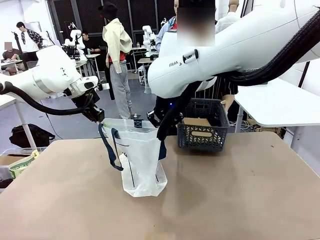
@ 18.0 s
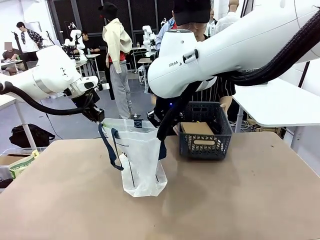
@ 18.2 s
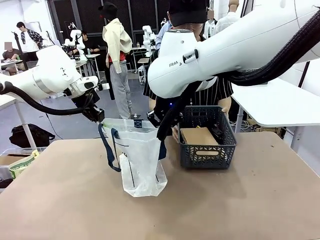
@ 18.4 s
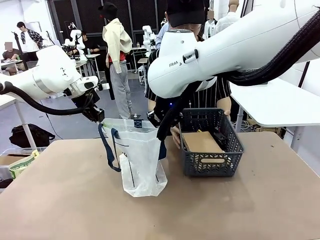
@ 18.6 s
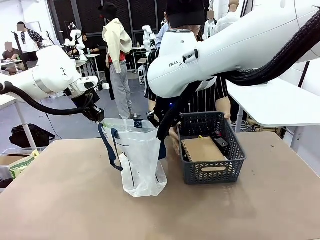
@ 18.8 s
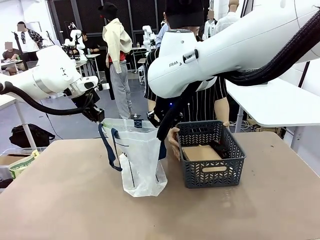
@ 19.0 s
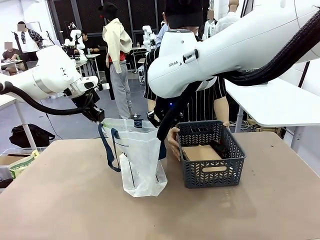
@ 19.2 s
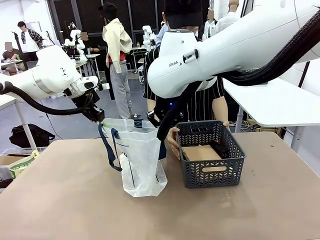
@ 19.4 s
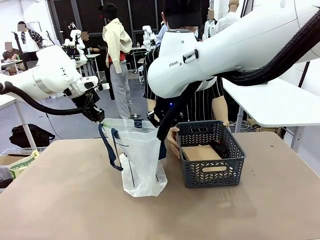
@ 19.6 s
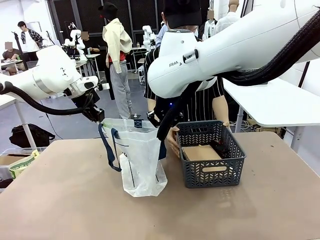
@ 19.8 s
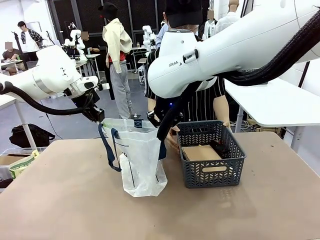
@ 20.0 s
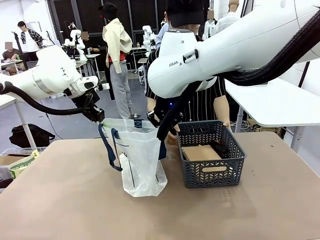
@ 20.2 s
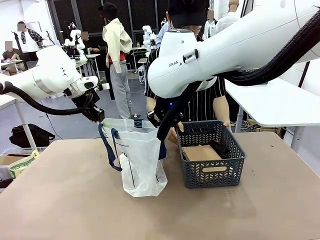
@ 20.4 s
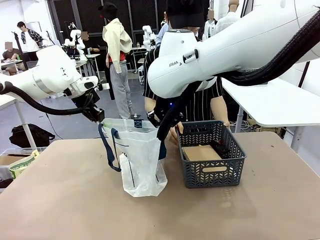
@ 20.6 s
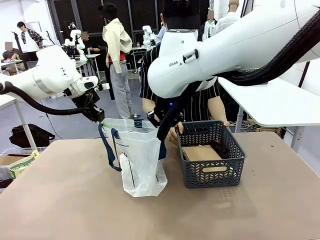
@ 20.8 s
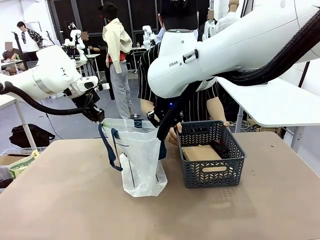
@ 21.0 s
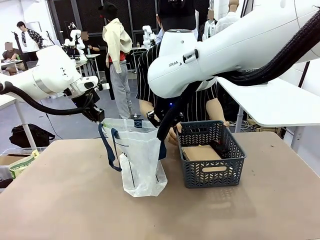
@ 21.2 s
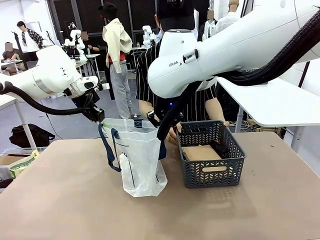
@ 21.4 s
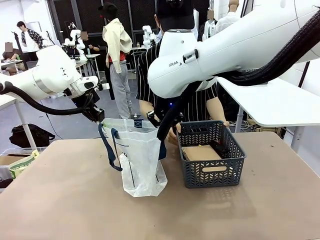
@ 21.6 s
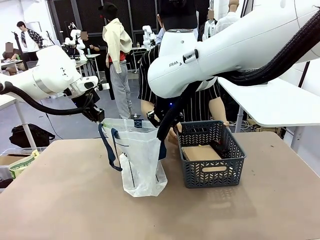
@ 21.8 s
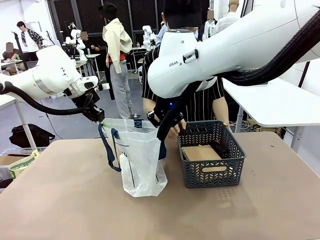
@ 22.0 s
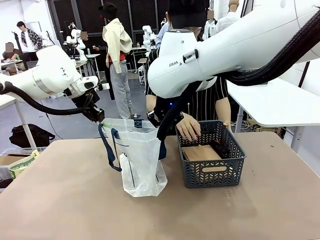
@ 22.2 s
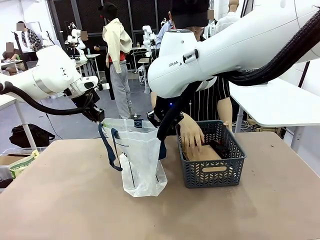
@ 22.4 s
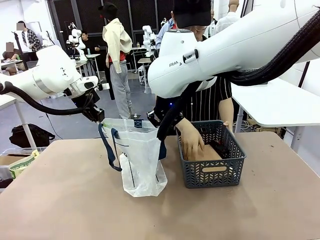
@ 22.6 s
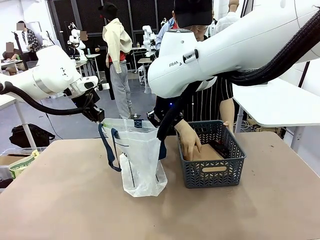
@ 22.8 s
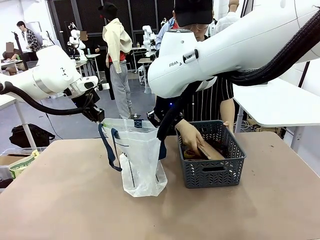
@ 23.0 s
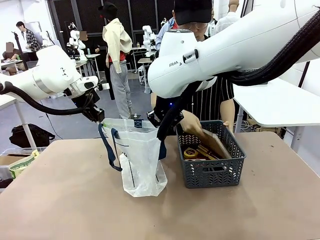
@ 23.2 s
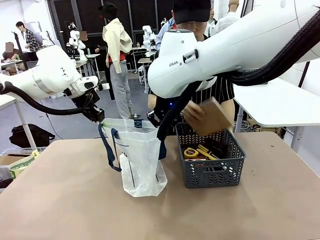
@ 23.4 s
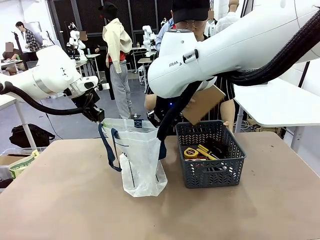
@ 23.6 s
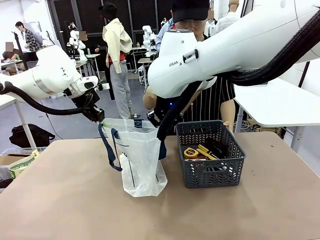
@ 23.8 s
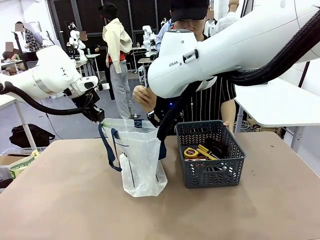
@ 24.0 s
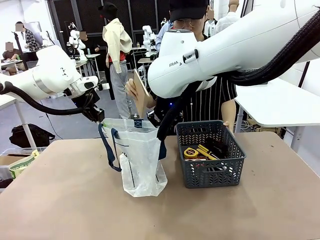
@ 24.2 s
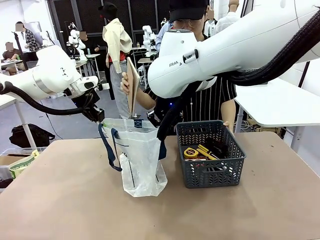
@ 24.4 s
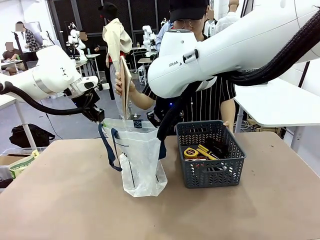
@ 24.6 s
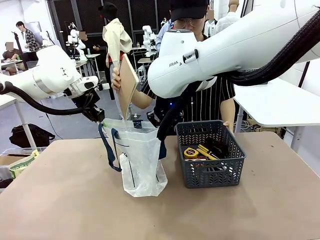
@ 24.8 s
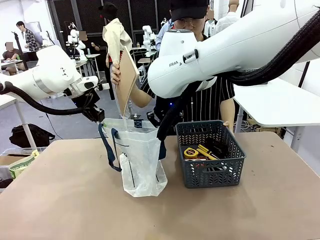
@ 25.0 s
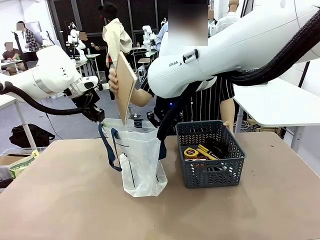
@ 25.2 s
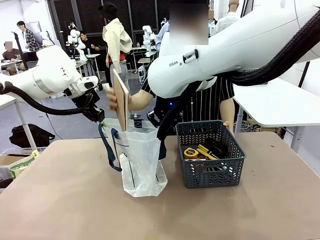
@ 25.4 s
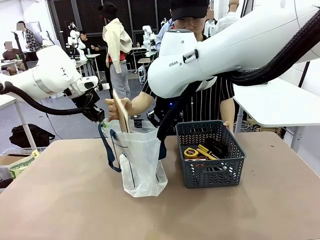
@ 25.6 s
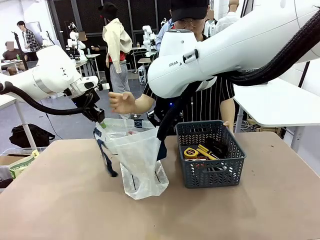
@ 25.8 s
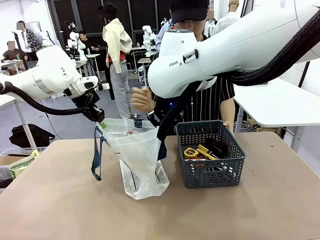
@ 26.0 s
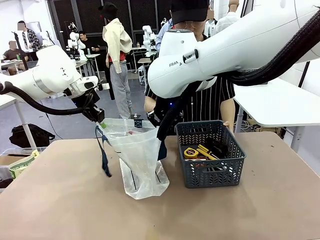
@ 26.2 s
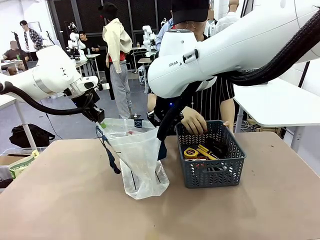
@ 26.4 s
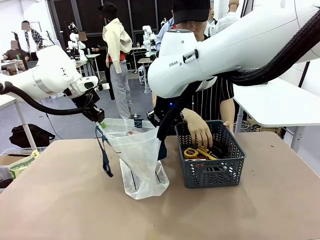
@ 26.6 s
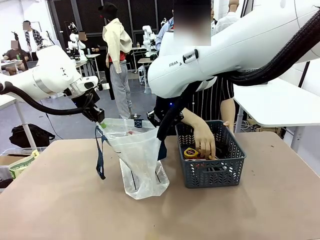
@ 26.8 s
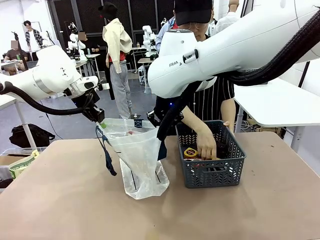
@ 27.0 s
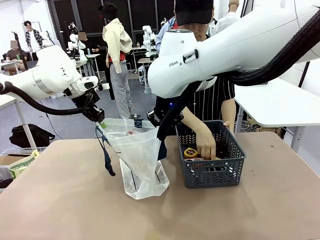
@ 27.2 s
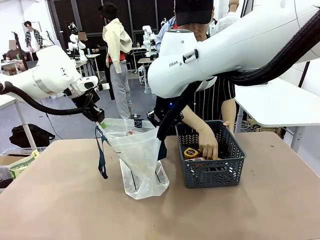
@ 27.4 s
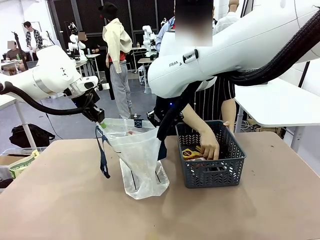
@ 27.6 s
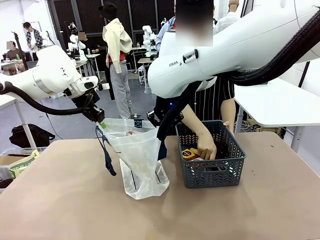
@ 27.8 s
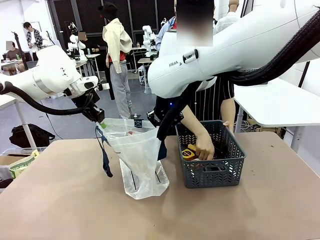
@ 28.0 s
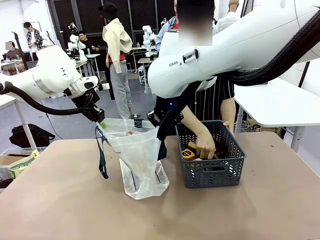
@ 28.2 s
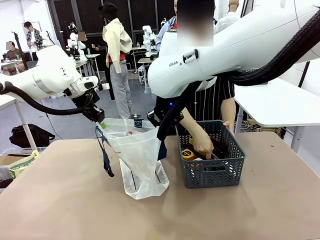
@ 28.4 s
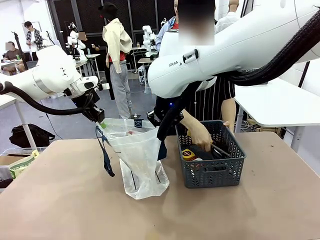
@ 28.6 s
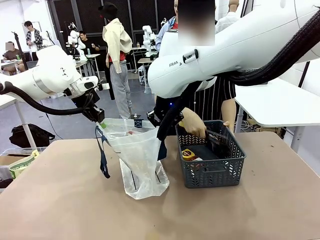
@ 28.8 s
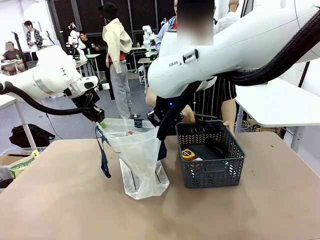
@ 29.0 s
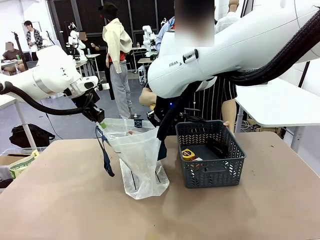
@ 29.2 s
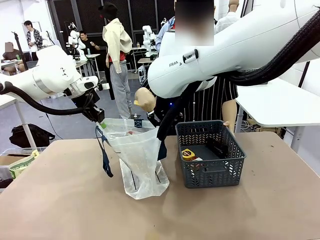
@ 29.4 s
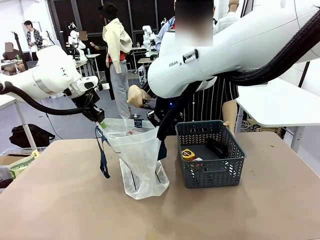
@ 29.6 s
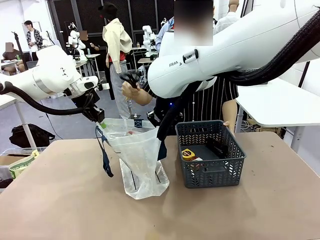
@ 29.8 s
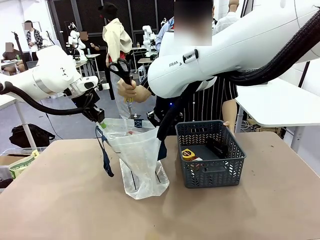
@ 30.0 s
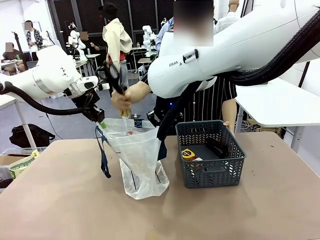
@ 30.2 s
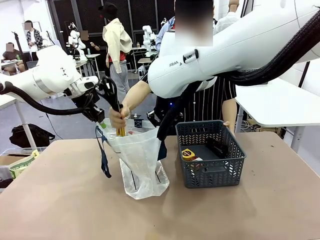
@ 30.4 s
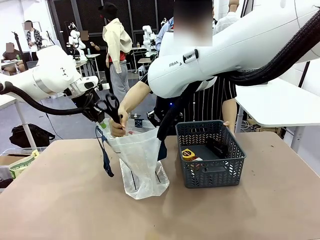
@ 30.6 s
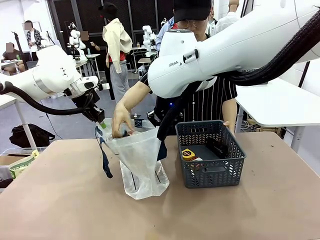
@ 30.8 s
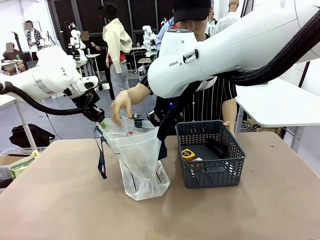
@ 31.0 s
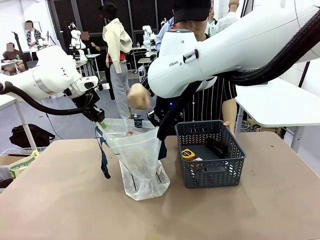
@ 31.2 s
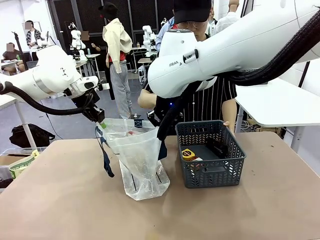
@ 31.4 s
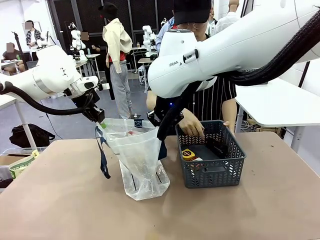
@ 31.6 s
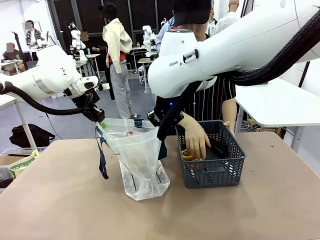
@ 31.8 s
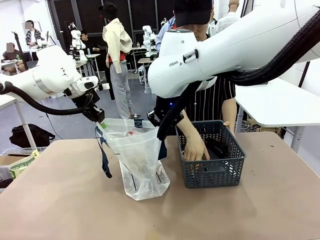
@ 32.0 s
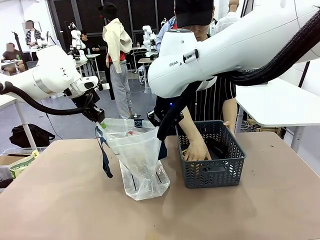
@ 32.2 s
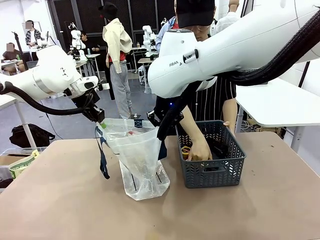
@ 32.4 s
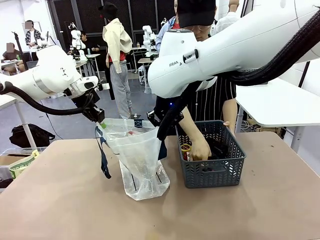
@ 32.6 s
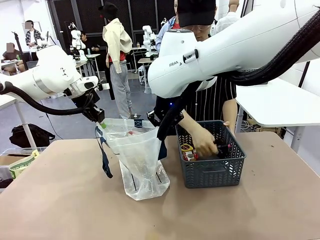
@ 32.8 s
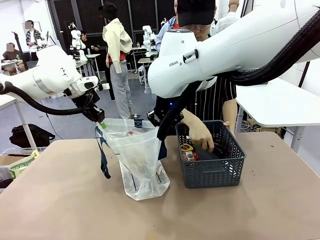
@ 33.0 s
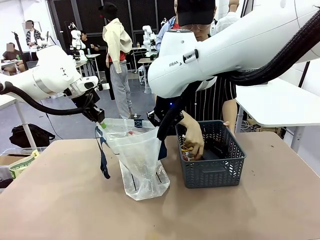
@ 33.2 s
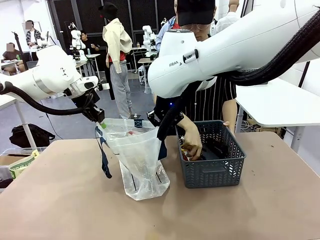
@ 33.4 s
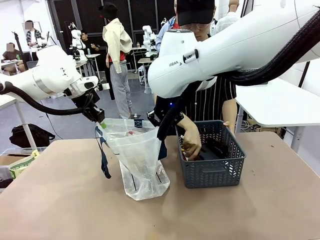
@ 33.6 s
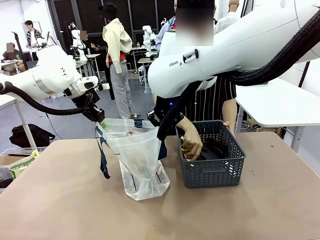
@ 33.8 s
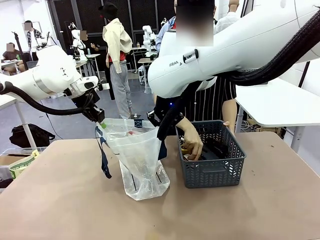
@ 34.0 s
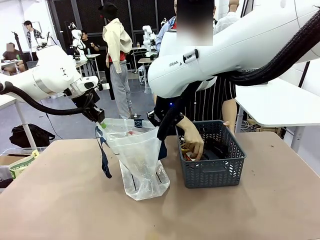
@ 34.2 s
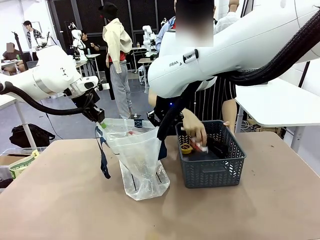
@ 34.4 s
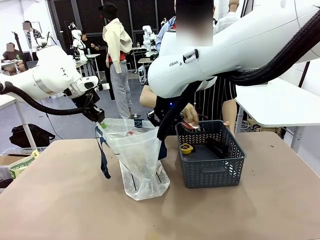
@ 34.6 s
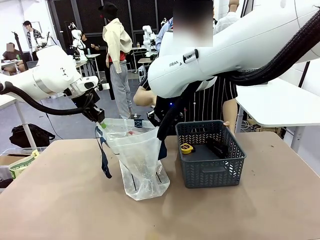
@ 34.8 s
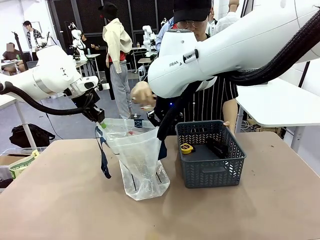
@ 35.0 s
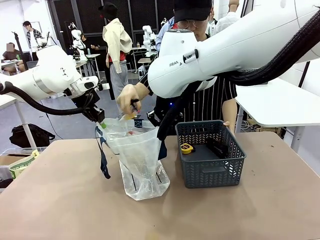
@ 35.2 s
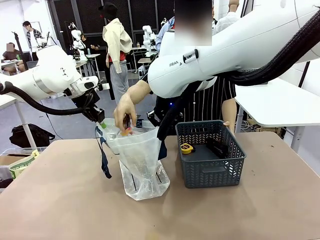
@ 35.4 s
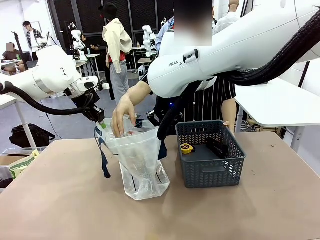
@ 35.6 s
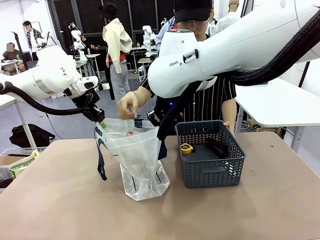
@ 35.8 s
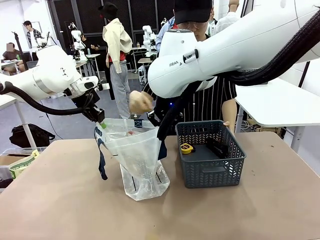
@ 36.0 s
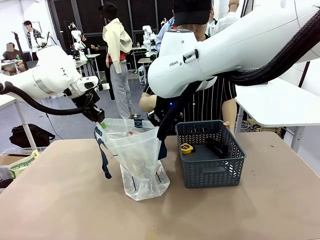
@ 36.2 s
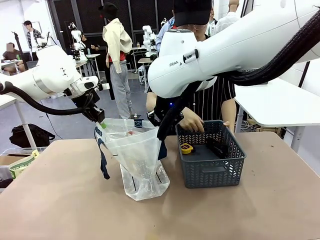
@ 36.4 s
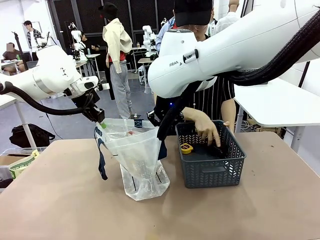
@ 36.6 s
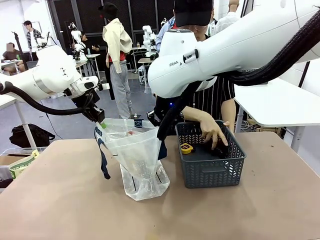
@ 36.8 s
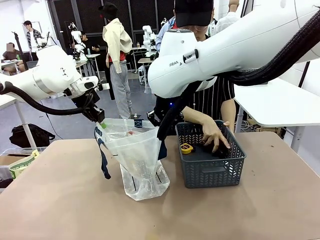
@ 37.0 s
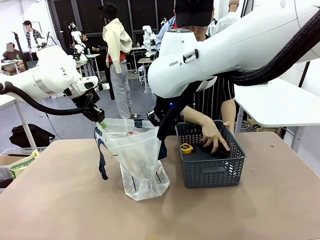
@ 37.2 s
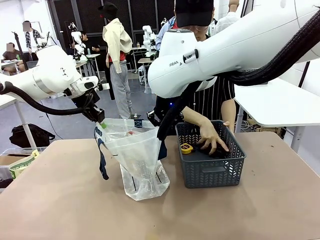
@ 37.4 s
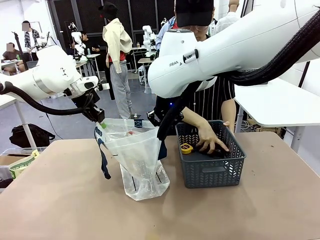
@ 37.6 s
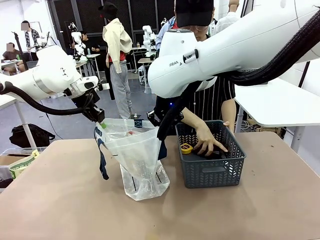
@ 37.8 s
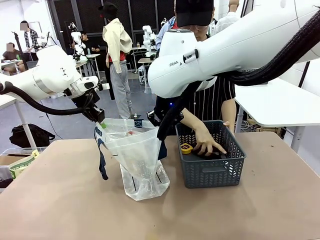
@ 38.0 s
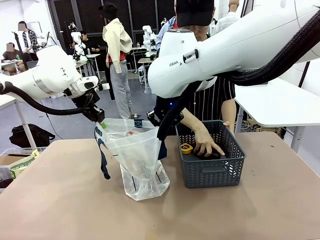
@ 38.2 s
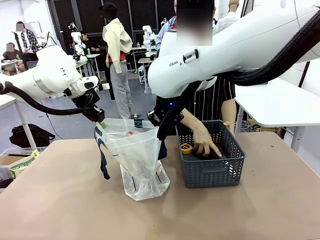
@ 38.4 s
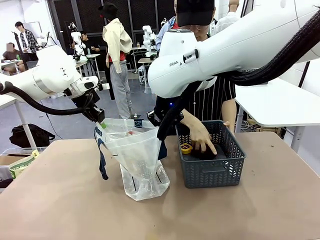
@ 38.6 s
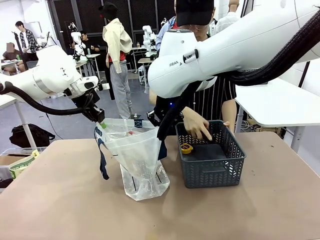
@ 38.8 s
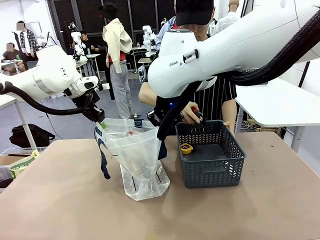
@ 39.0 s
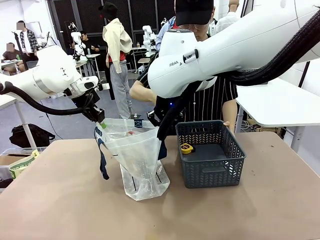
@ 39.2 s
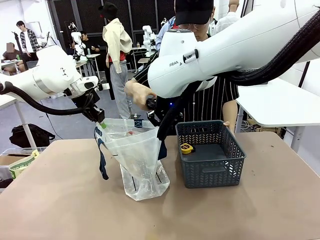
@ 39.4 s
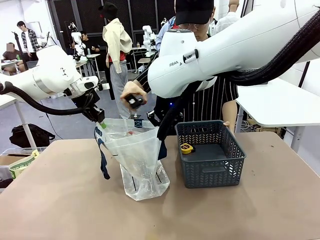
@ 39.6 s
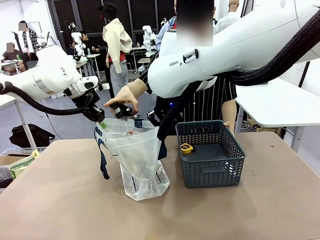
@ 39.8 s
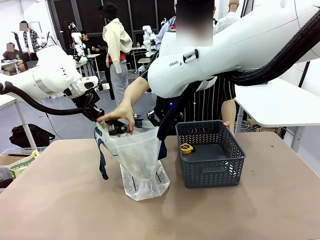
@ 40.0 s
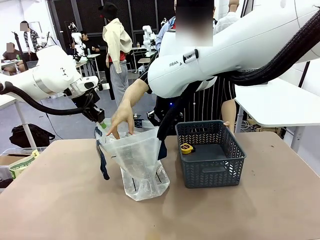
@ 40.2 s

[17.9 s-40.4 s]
Task: Transfer purchased items from the store into the shopping bag.
Robot: Move the Reusable shopping bag to the right side of the table.
Person: Pick up the basket with the items out and place it on the right side of the human table.
